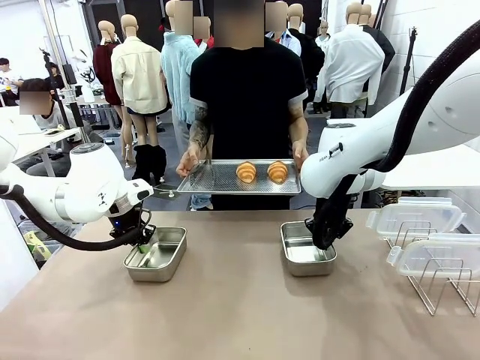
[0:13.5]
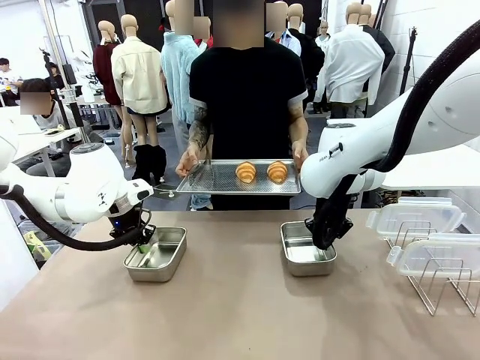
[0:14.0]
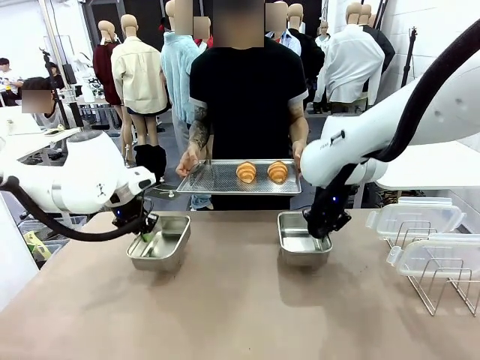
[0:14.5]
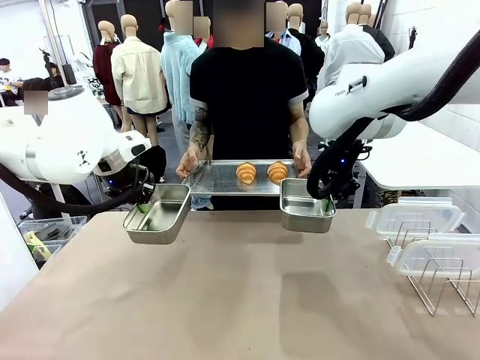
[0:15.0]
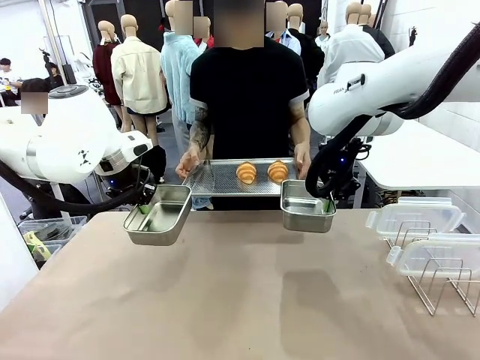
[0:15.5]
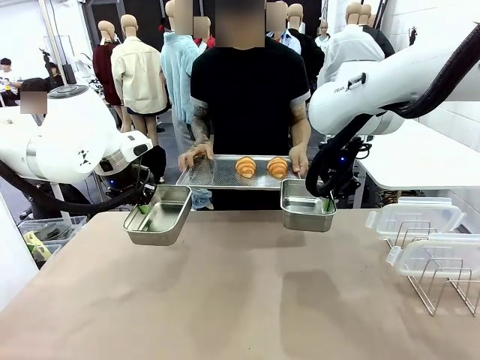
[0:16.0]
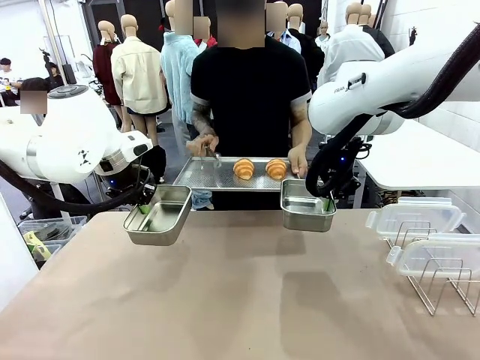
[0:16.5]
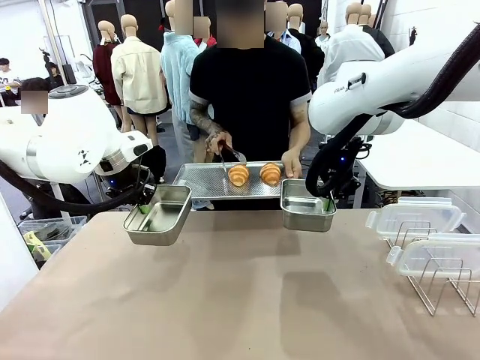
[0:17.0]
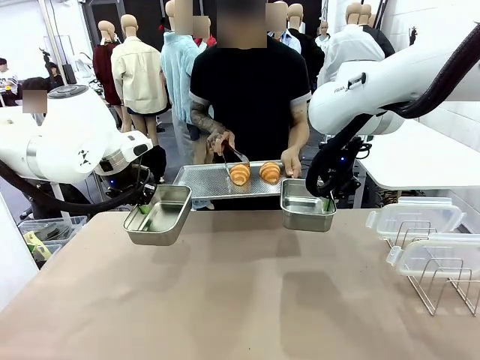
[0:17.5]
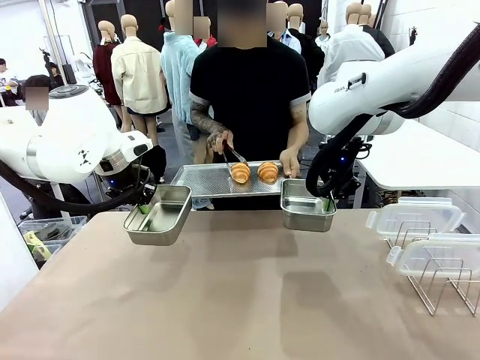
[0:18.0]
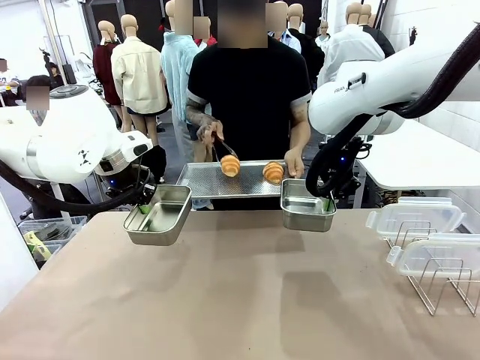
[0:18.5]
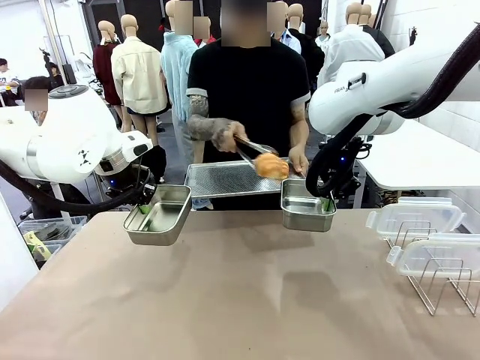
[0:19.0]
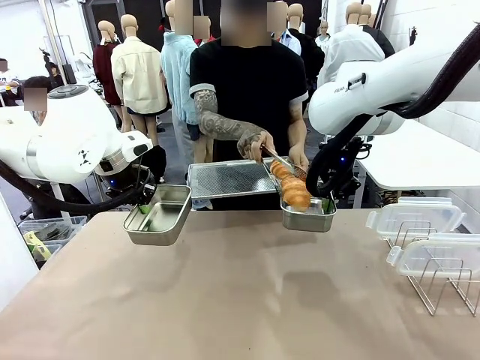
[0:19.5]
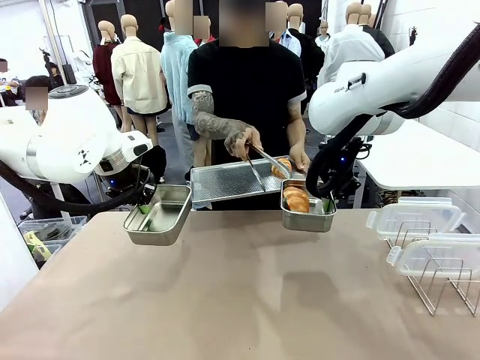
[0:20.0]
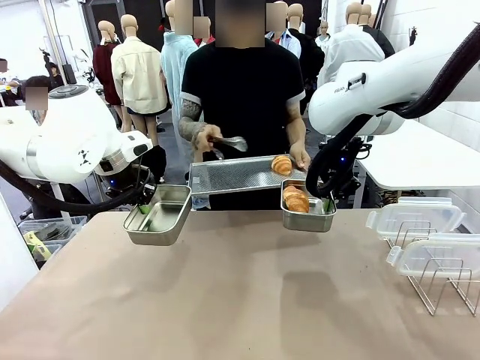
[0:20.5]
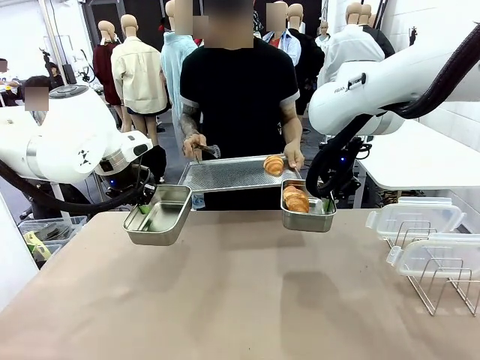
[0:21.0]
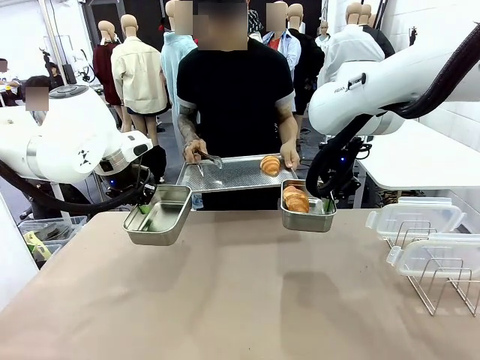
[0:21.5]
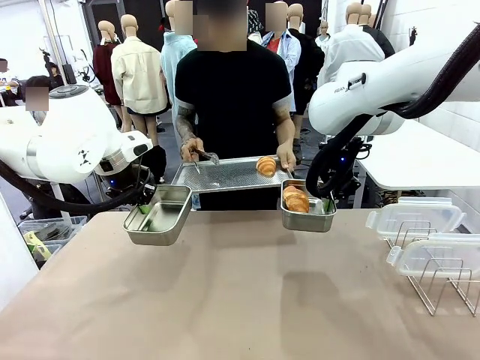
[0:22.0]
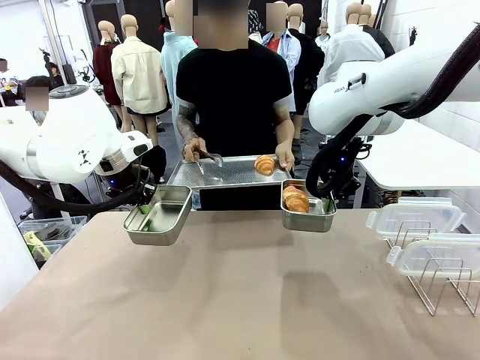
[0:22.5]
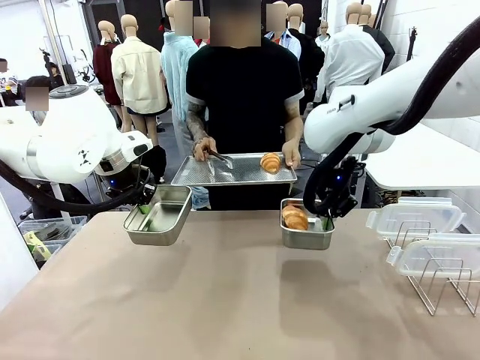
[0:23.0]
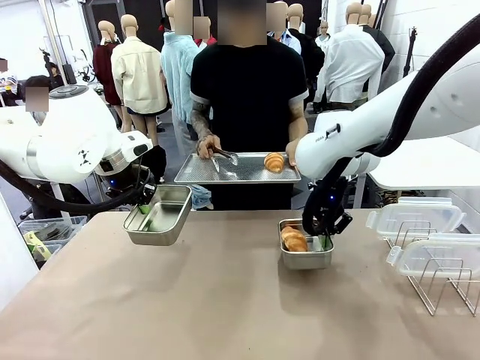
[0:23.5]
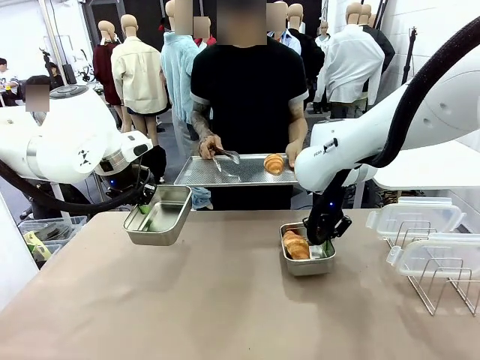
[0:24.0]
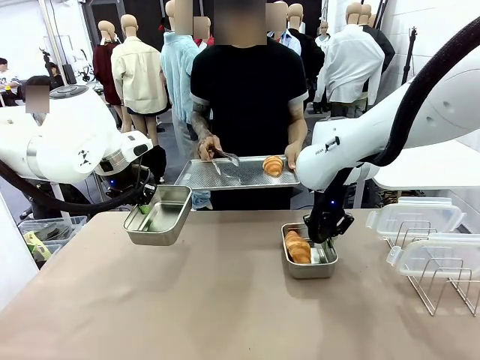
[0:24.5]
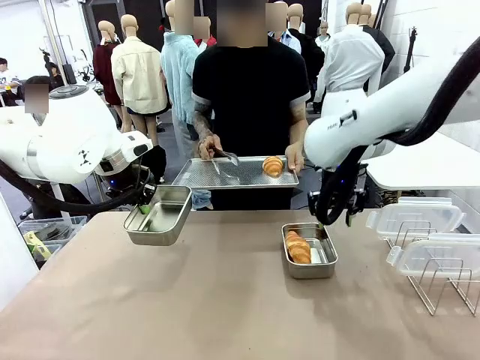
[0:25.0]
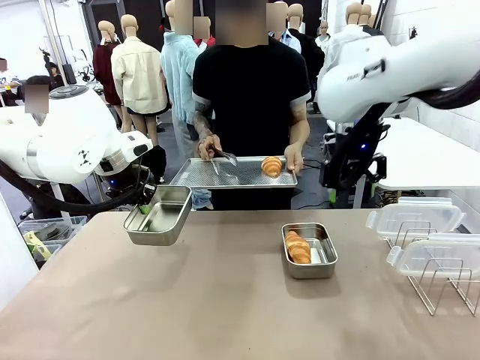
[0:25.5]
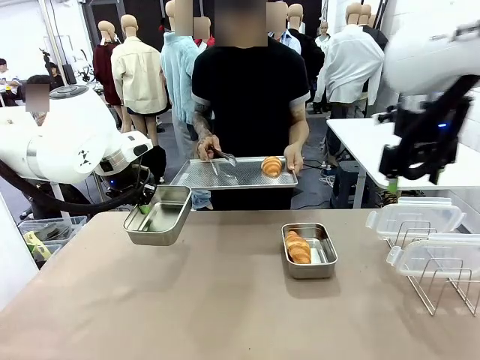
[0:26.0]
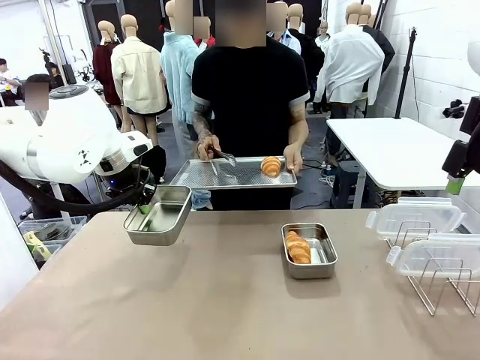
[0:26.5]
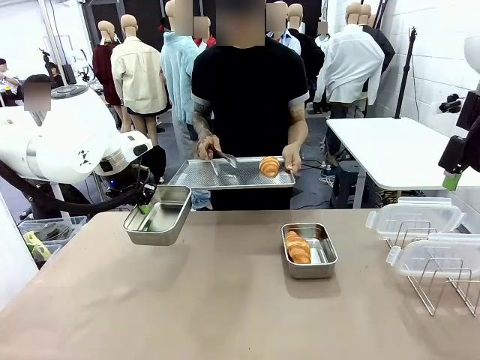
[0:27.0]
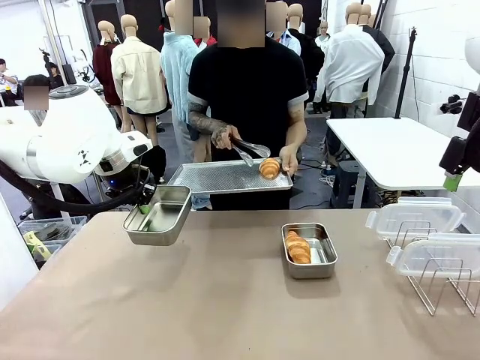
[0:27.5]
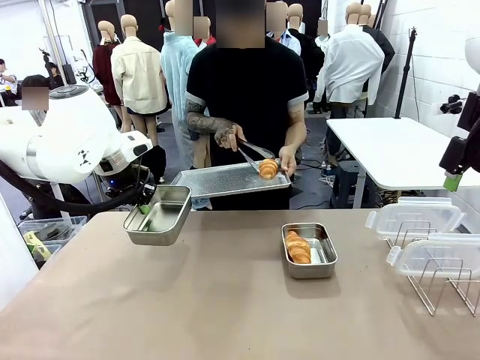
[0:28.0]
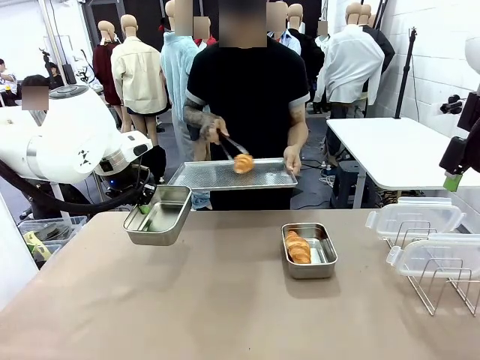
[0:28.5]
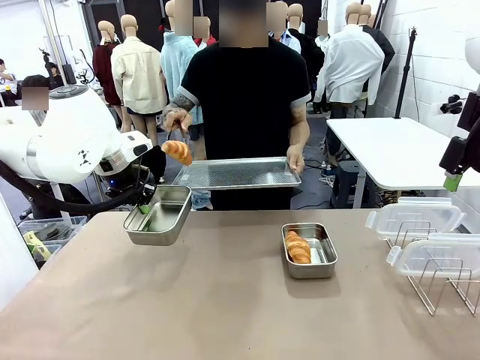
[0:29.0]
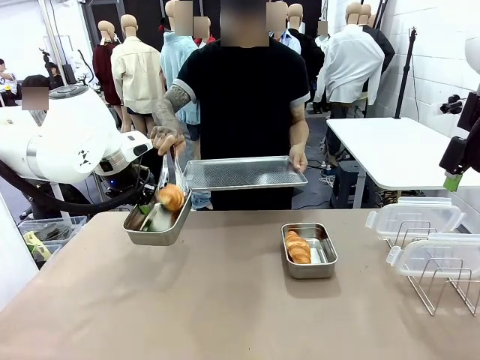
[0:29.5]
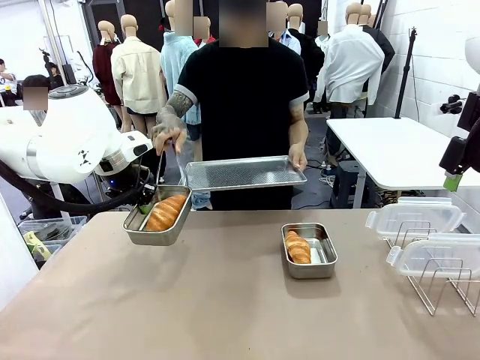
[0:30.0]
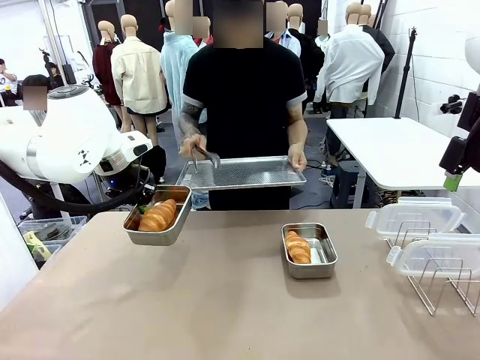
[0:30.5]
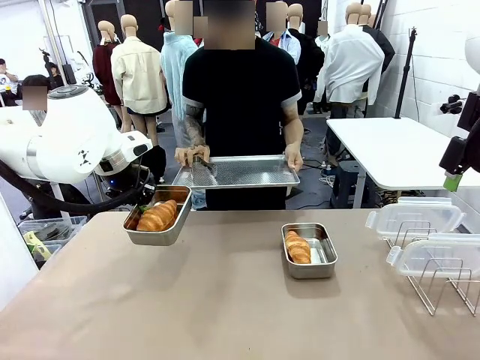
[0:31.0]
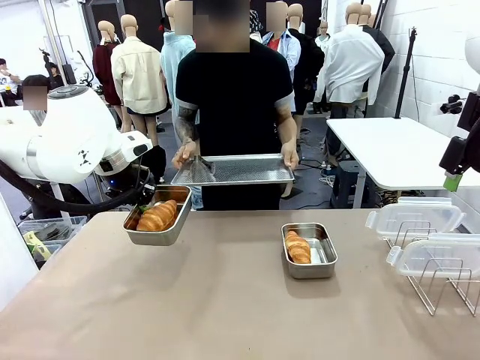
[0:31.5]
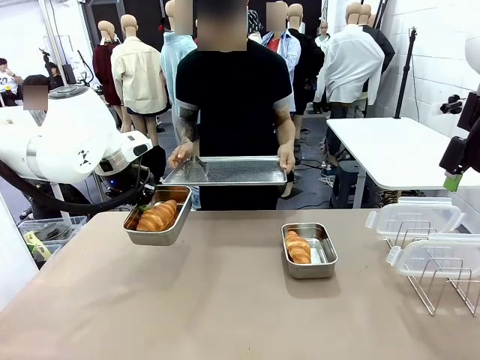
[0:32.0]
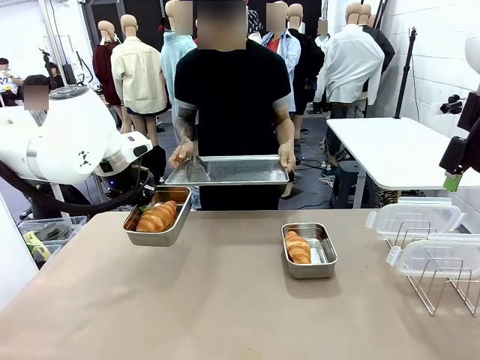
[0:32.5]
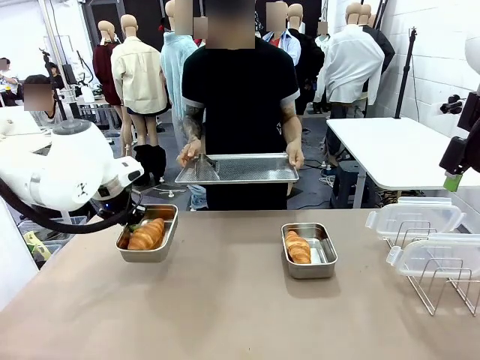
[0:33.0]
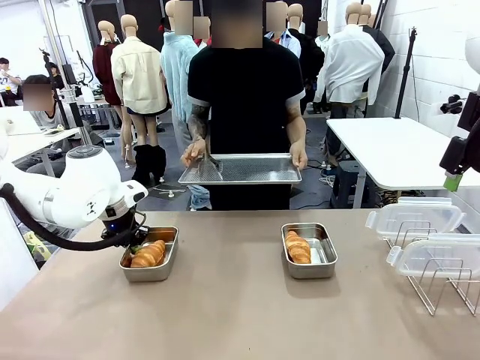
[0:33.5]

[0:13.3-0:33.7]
Task: Place the bread in airtight containers.
Robot: Once an object is inside an Airtight Container , place the container in the center of the table.
Person: Use the Stainless steel tongs to place one object from Baking Sheet into one Airtight Container.
